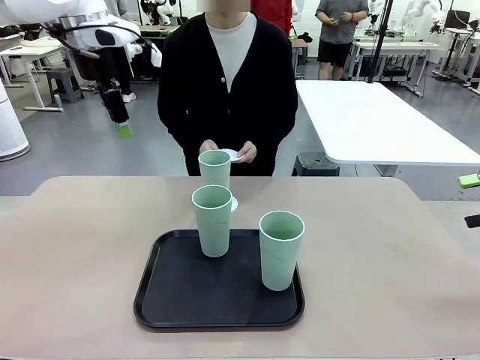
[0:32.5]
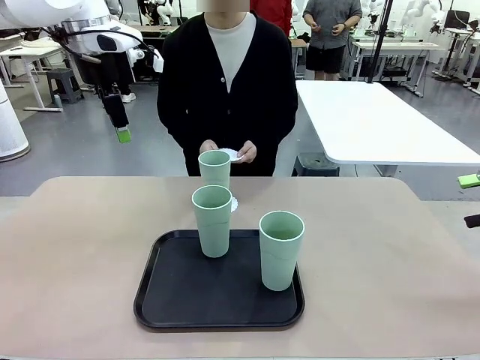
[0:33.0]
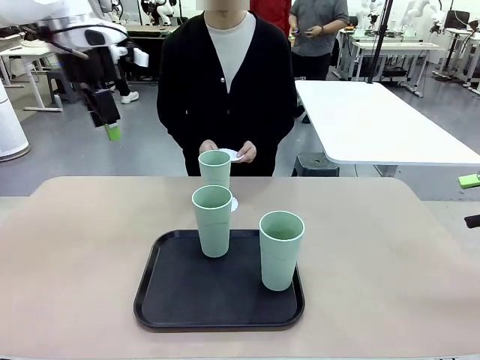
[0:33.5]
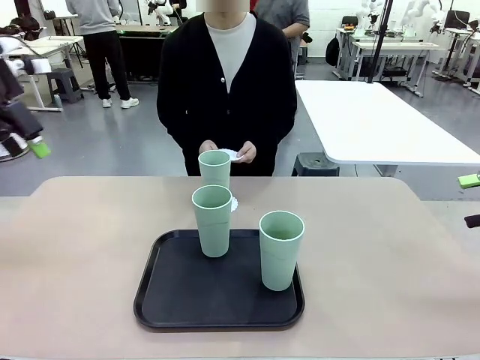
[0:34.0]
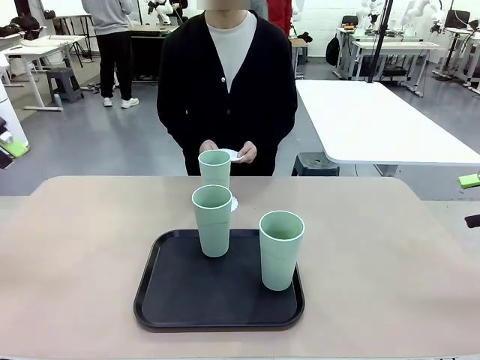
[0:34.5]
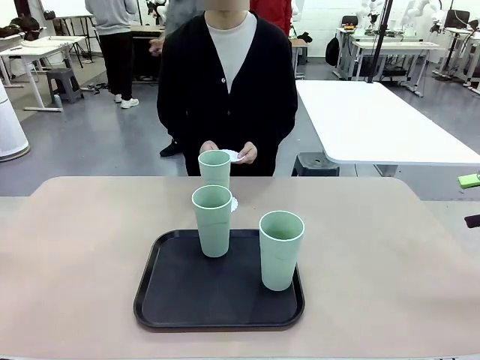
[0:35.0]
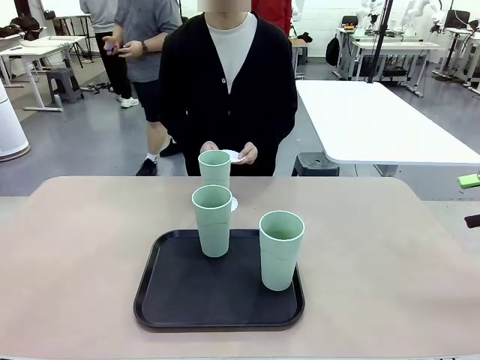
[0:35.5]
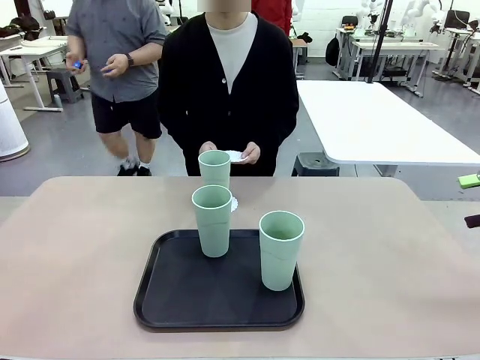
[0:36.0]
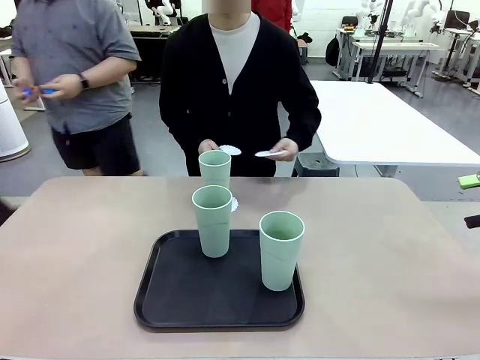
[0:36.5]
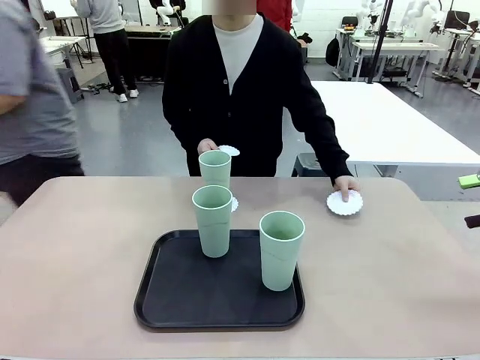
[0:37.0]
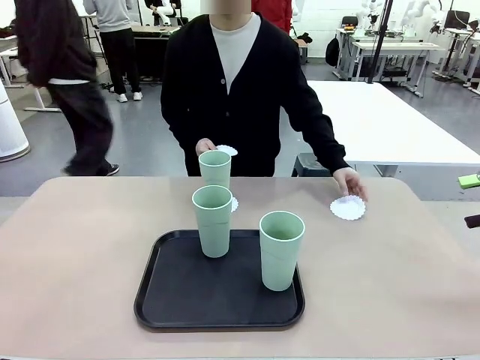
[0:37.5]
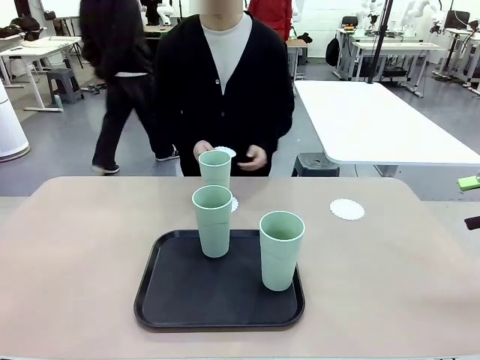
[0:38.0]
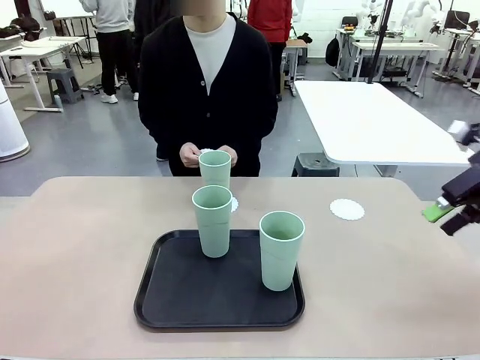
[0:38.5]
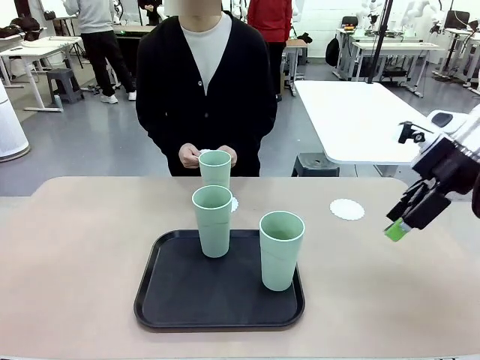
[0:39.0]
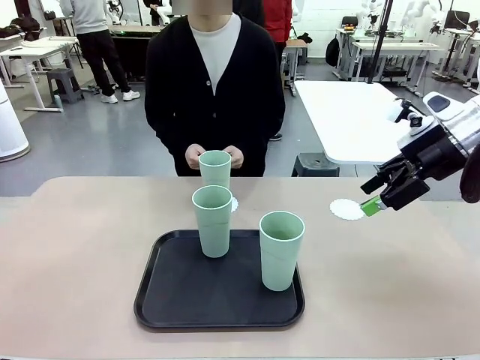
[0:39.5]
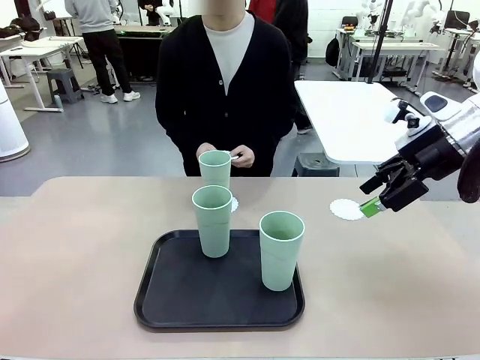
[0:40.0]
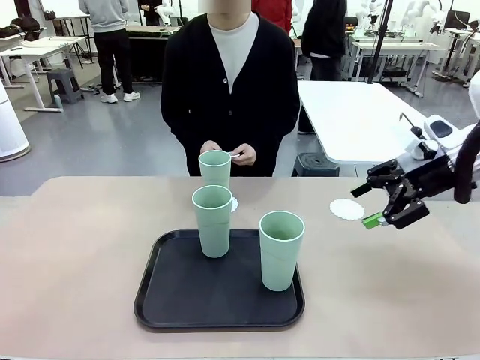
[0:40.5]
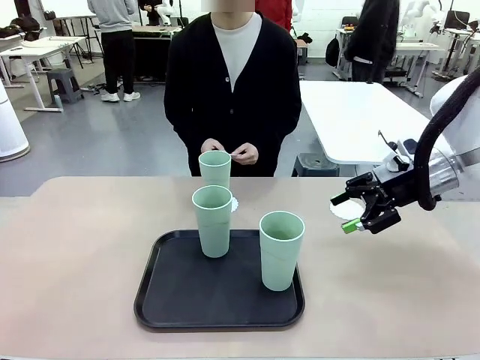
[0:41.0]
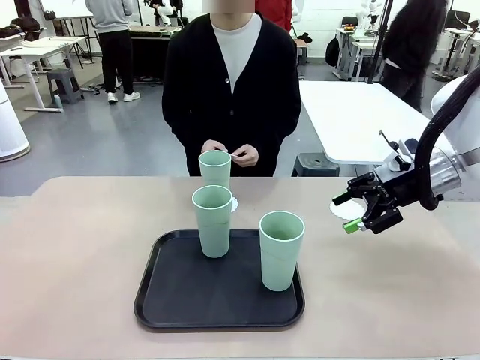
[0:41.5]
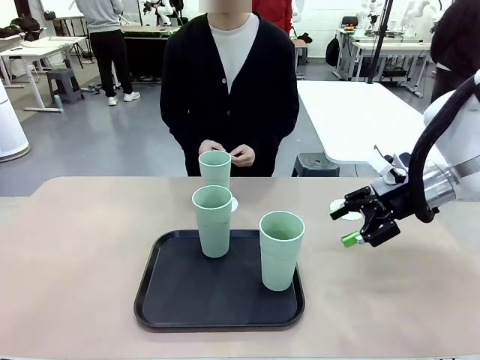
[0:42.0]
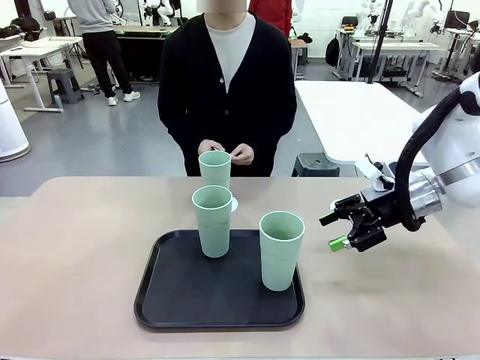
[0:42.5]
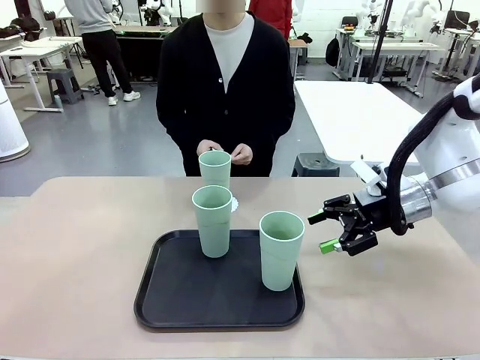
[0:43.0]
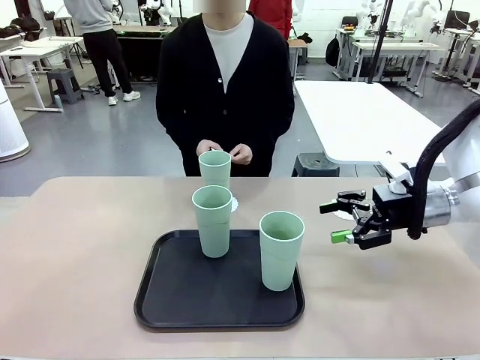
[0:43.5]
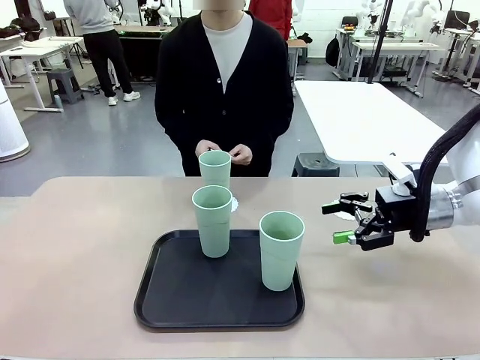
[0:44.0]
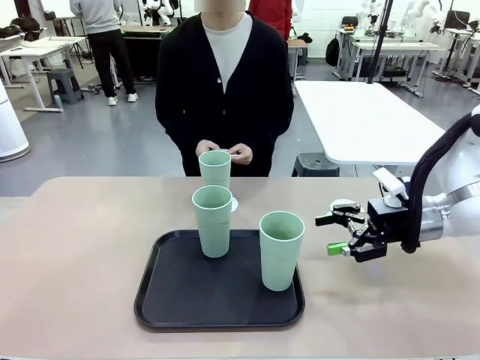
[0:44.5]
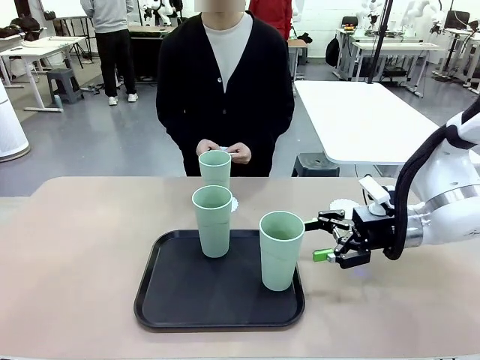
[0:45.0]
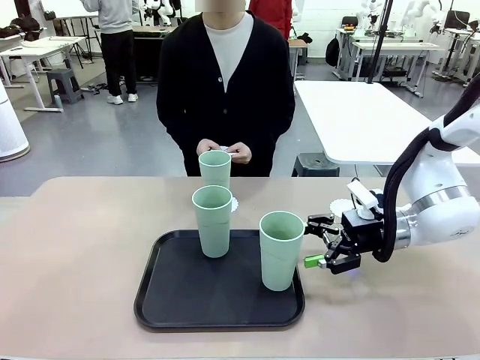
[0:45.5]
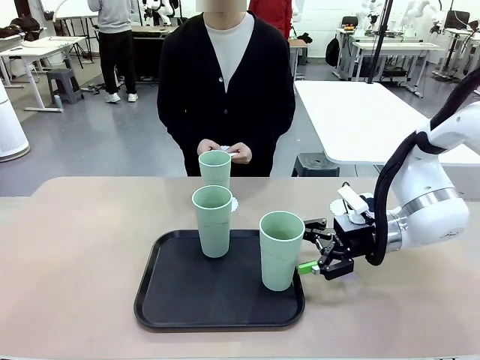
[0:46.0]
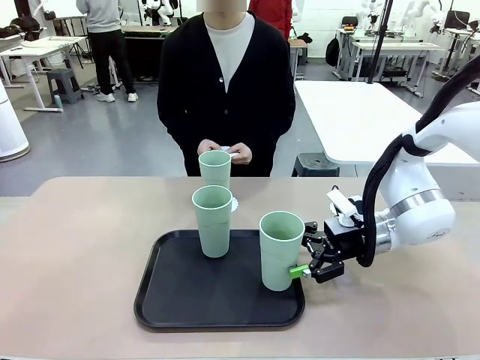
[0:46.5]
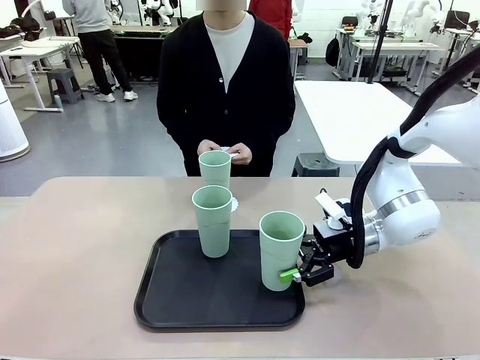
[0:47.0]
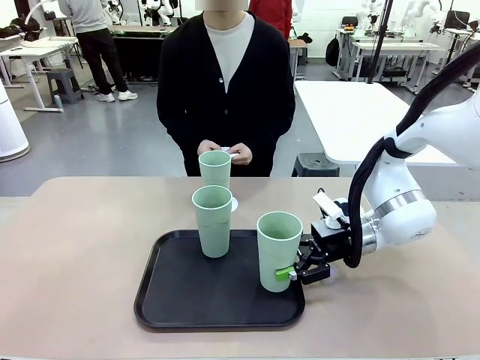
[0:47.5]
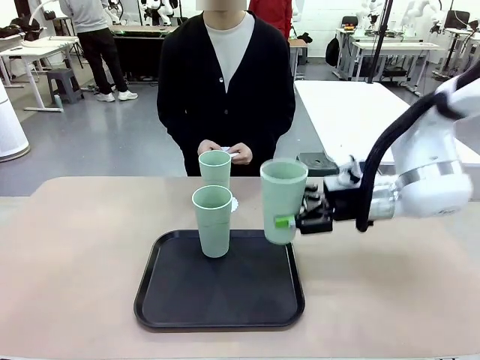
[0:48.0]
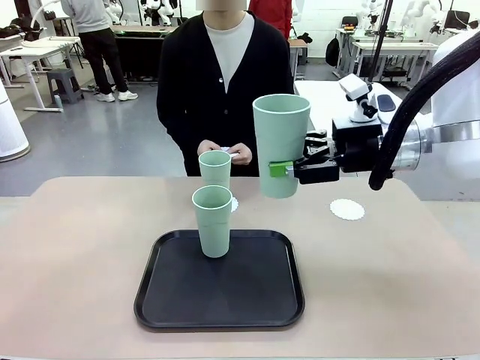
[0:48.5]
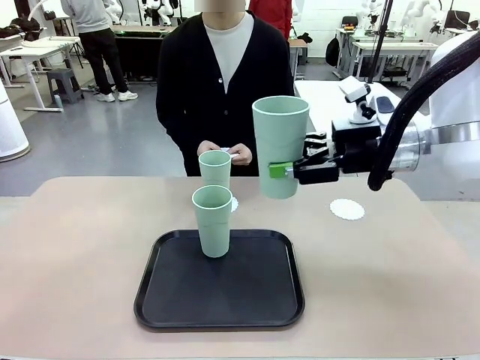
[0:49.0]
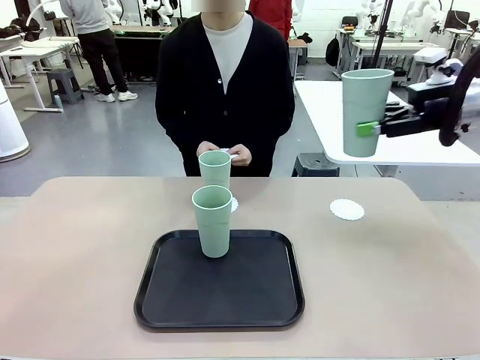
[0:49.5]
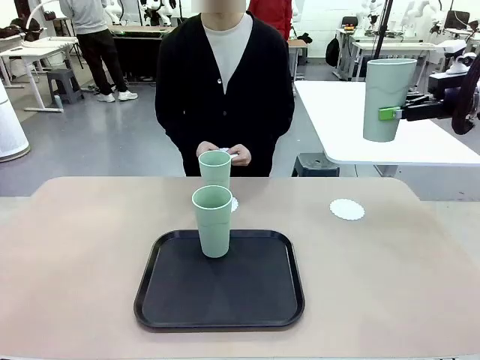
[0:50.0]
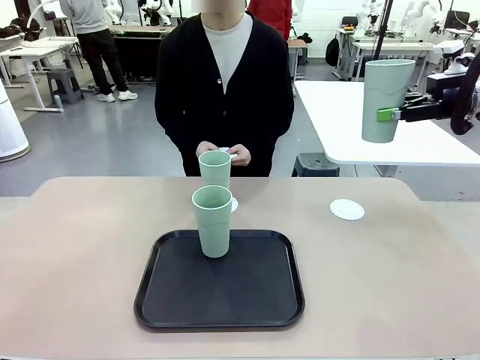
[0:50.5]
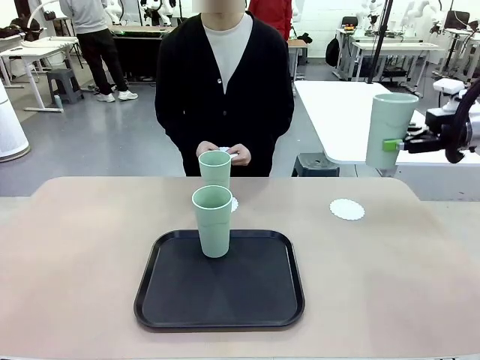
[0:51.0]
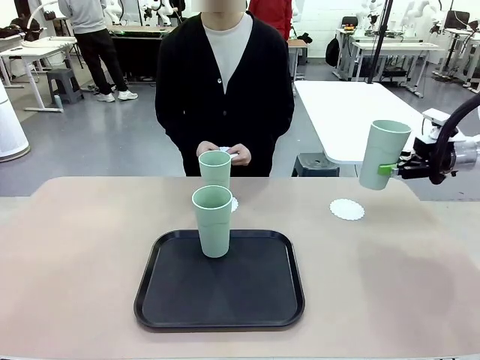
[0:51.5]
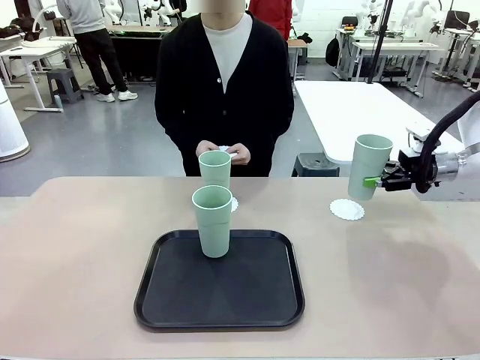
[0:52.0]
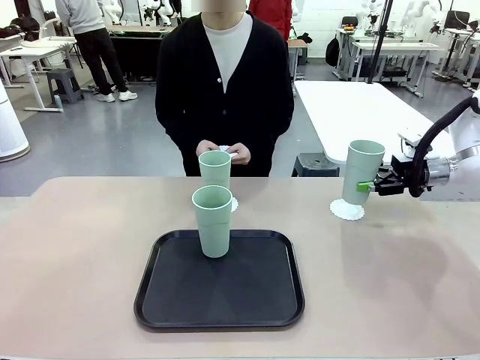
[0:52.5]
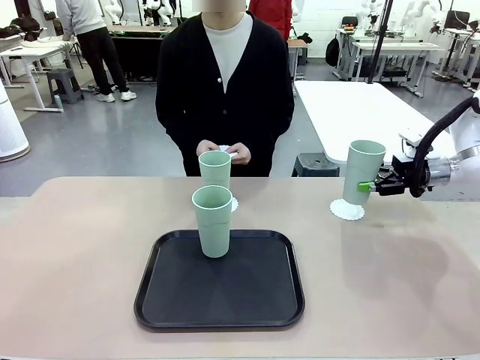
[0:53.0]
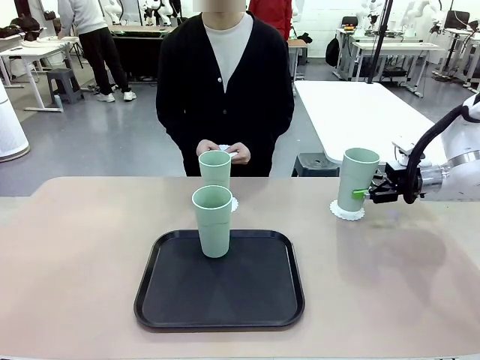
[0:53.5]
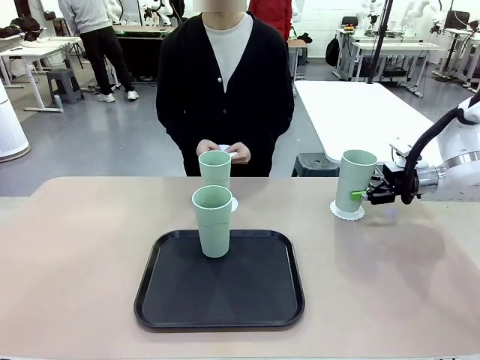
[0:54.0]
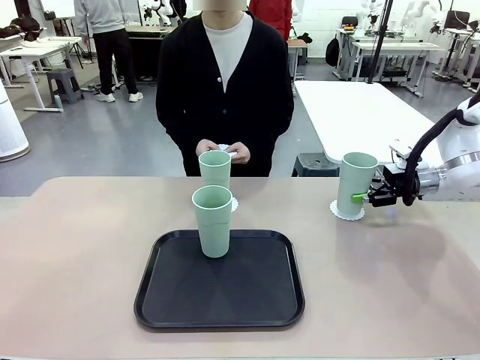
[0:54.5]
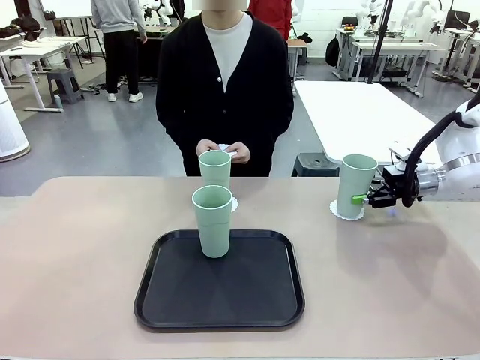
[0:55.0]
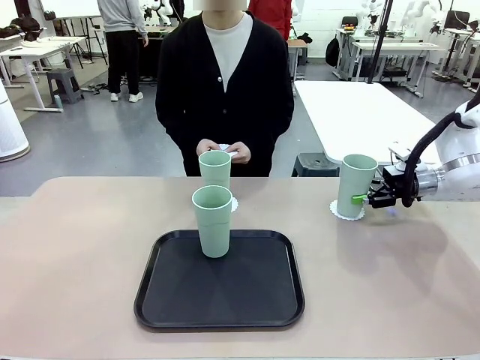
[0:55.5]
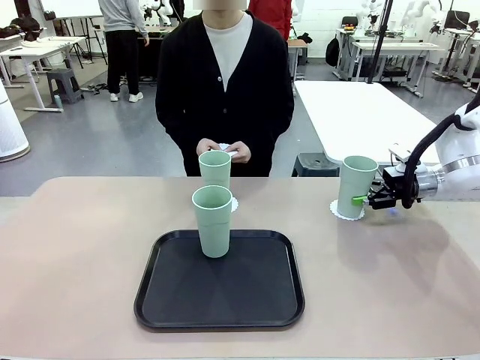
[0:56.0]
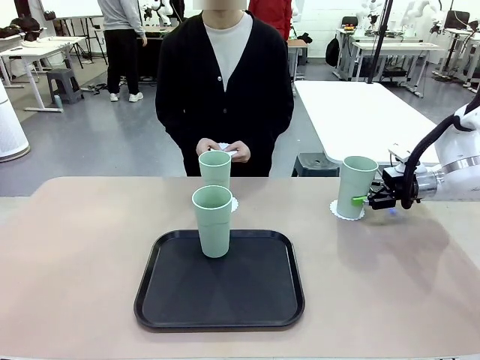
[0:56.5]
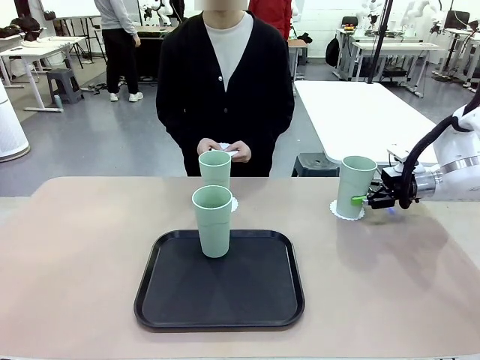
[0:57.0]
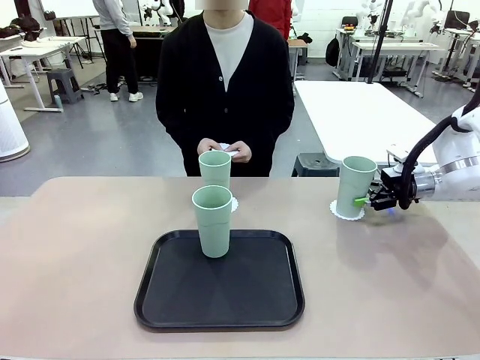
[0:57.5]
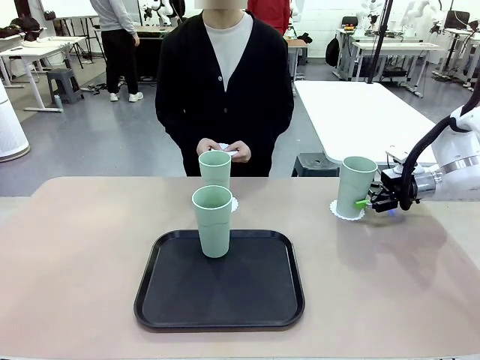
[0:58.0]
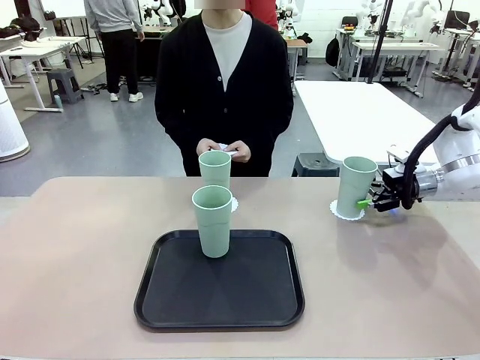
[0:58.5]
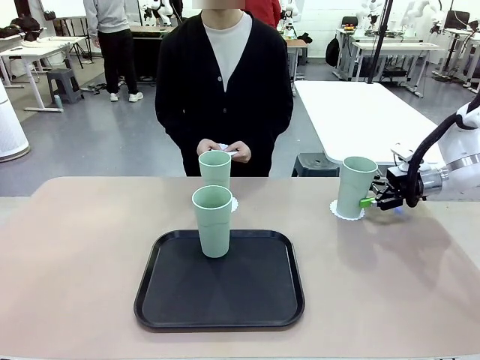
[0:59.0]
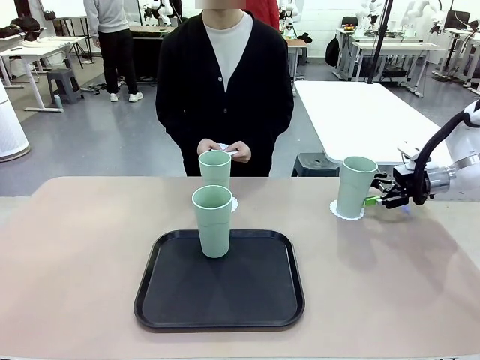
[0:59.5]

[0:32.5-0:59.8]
Task: Place coasters on the table and set cups on them.
Robot: Take one Reusable plastic cup from the Flat Tray and place it on a coaster set by the human.
